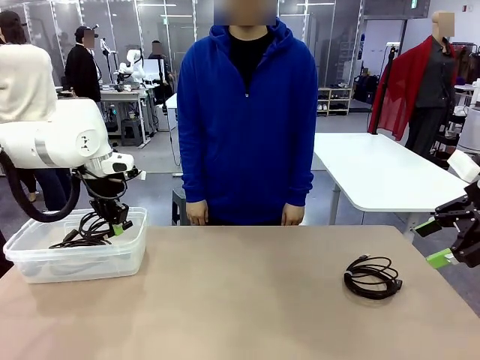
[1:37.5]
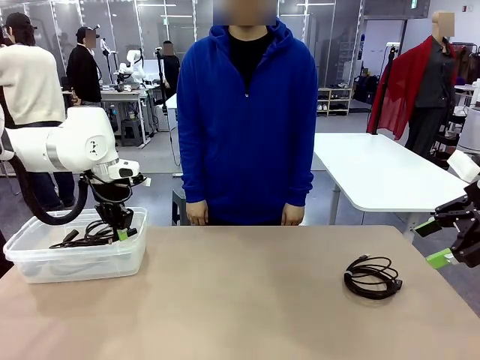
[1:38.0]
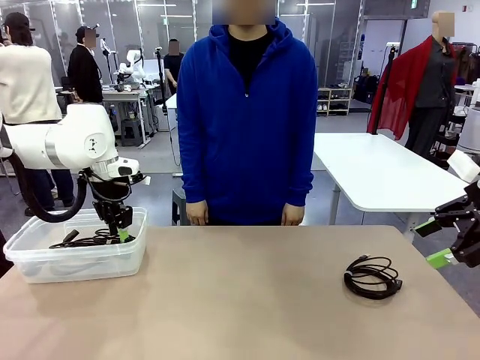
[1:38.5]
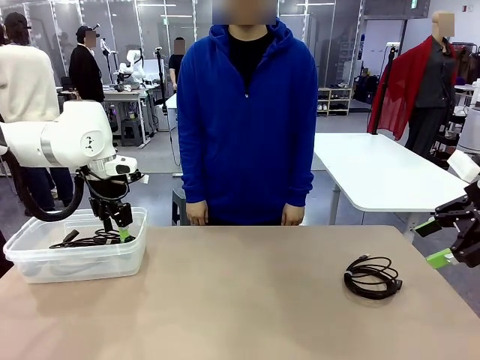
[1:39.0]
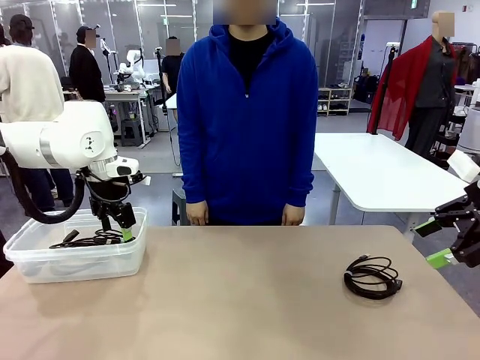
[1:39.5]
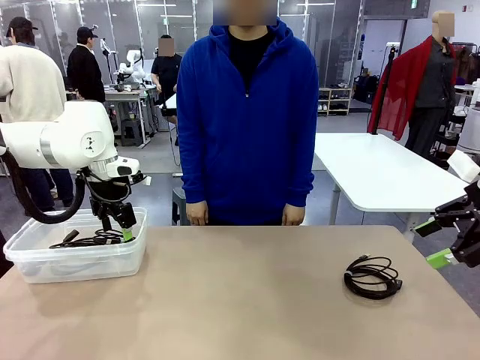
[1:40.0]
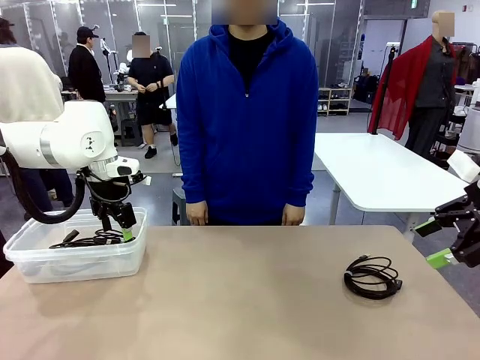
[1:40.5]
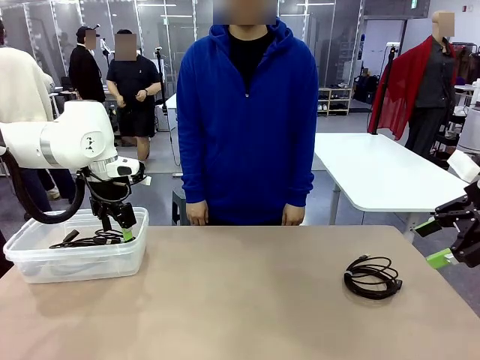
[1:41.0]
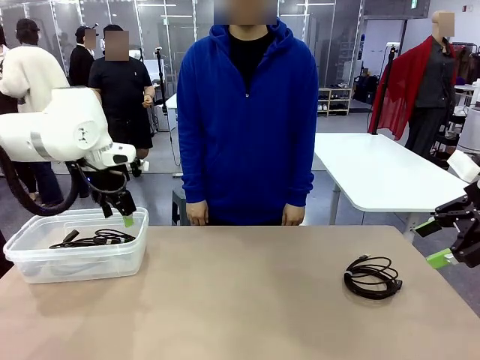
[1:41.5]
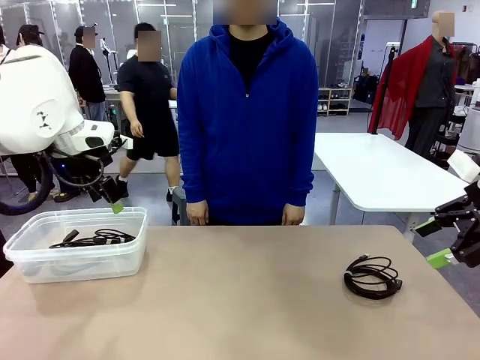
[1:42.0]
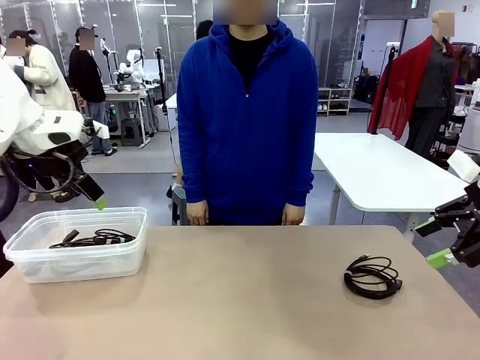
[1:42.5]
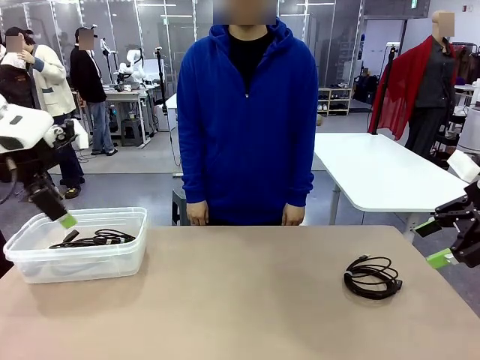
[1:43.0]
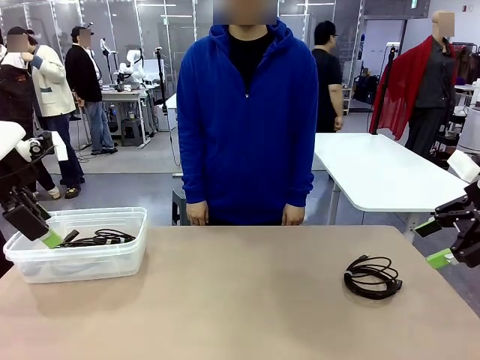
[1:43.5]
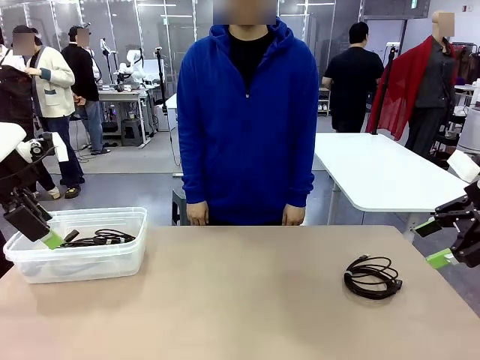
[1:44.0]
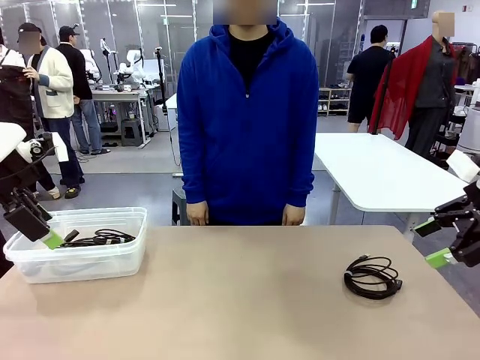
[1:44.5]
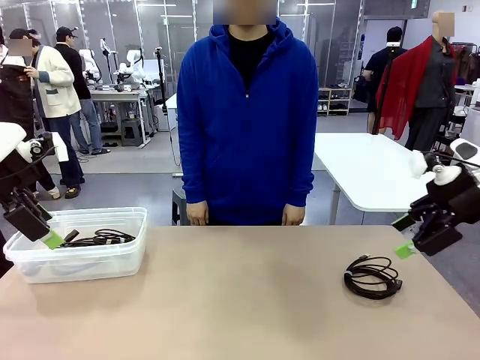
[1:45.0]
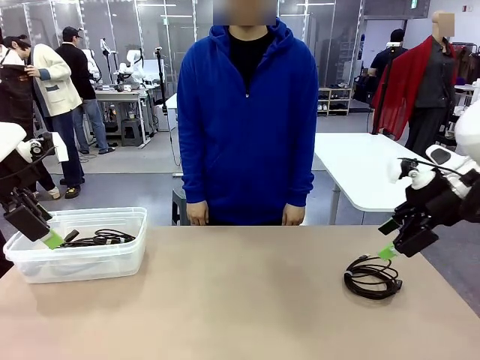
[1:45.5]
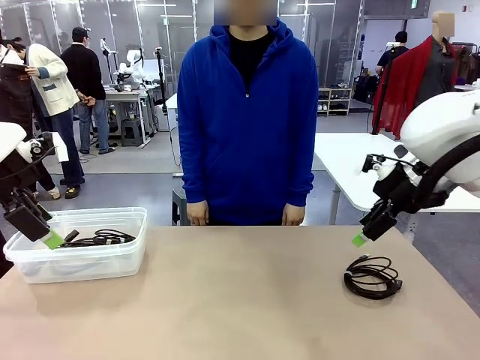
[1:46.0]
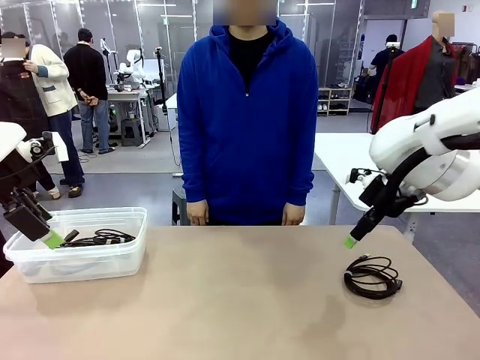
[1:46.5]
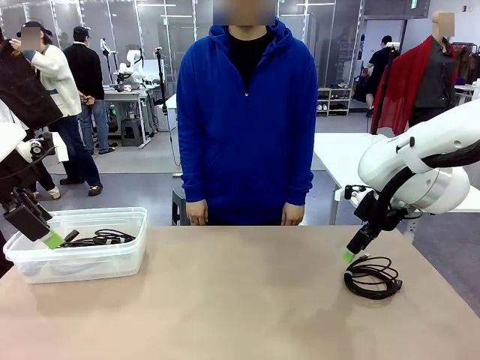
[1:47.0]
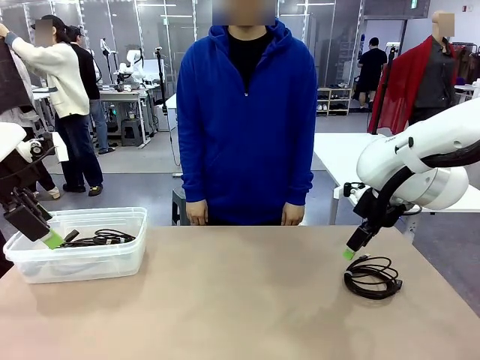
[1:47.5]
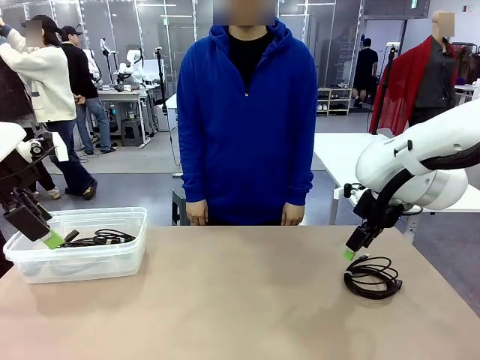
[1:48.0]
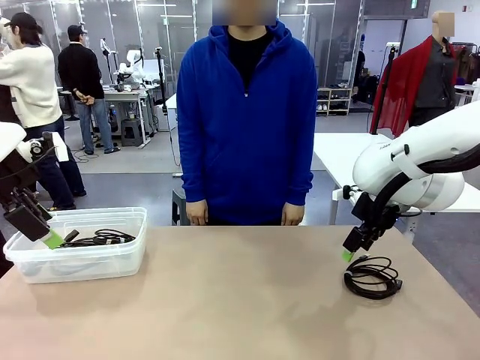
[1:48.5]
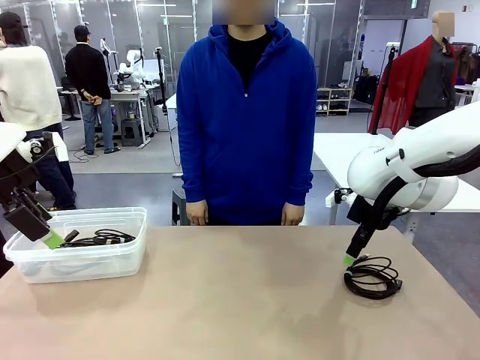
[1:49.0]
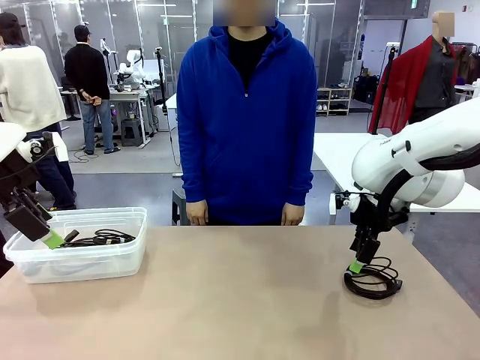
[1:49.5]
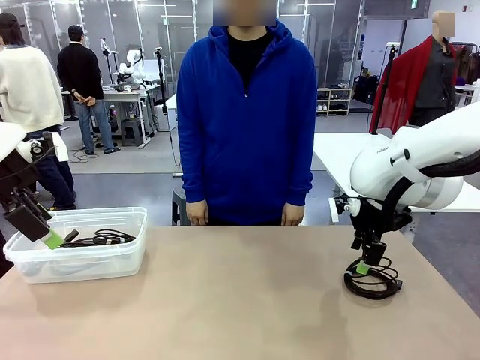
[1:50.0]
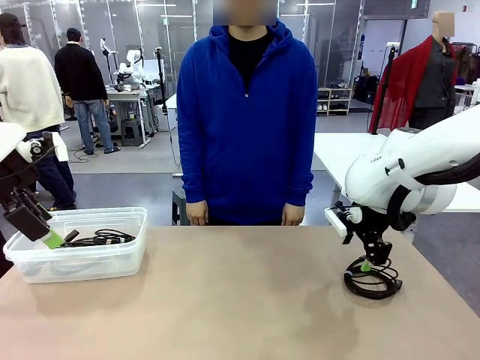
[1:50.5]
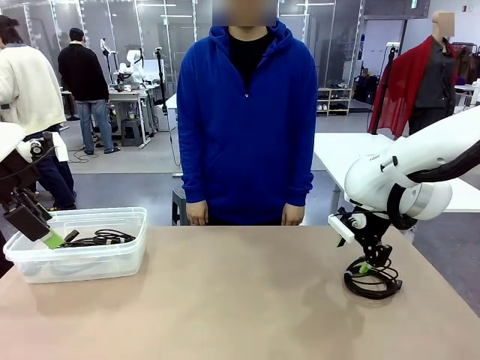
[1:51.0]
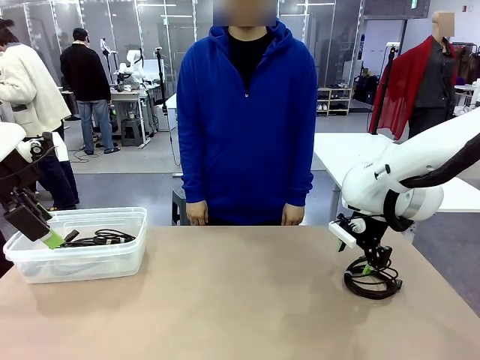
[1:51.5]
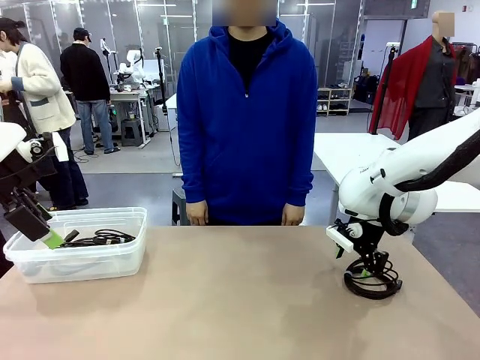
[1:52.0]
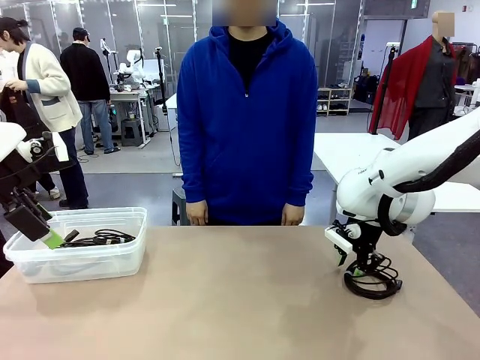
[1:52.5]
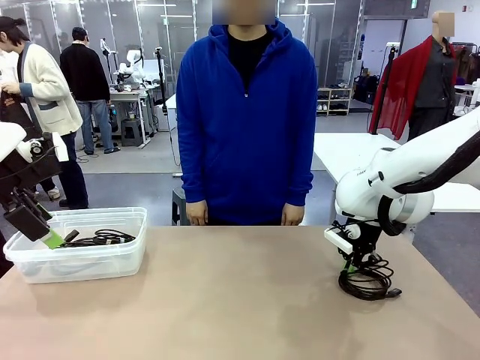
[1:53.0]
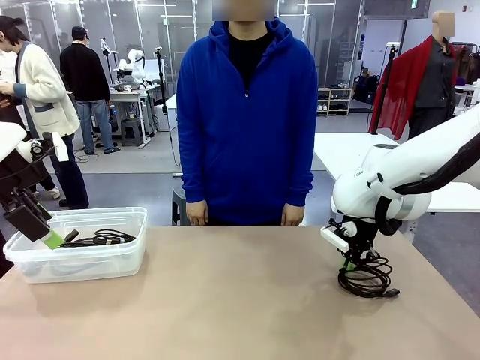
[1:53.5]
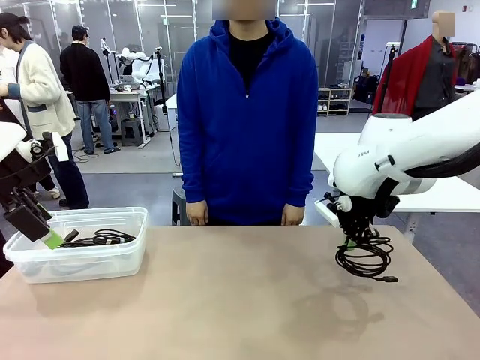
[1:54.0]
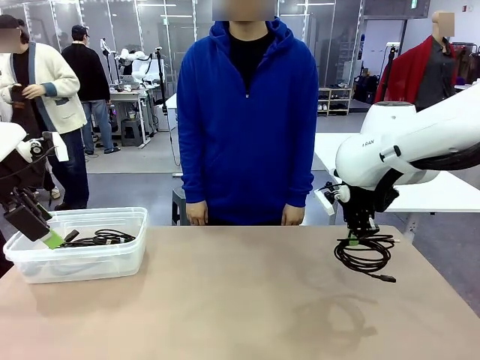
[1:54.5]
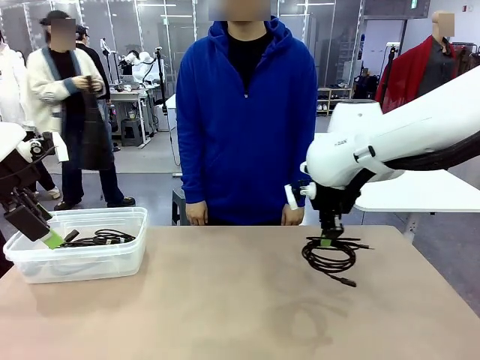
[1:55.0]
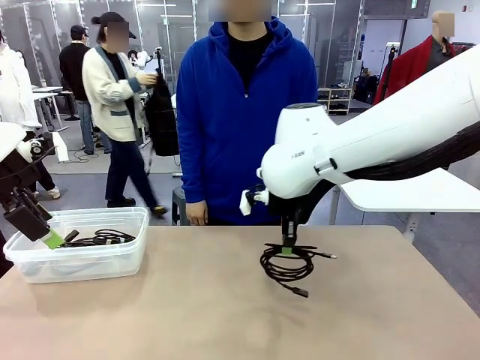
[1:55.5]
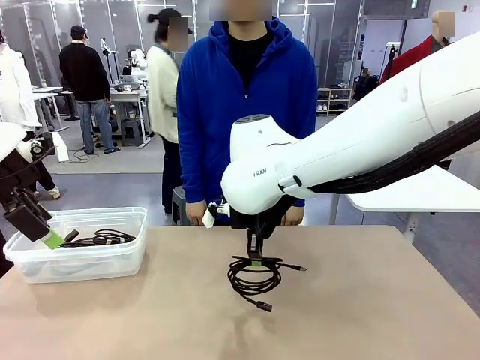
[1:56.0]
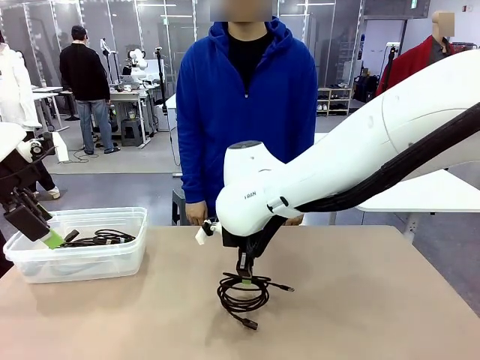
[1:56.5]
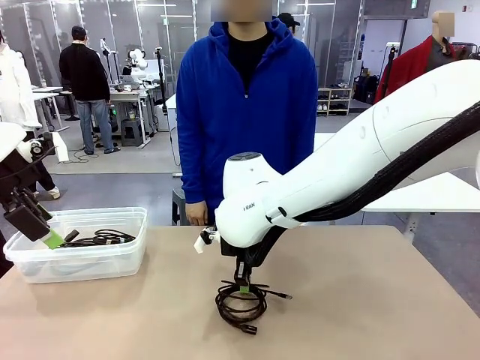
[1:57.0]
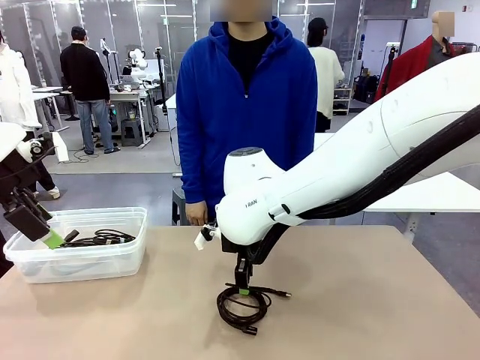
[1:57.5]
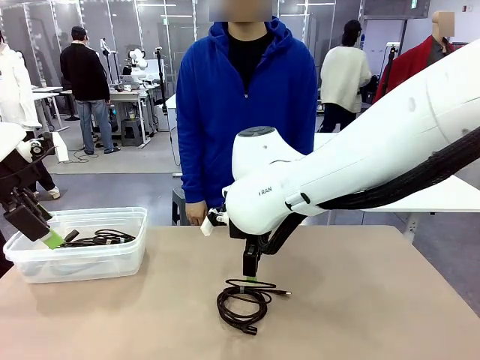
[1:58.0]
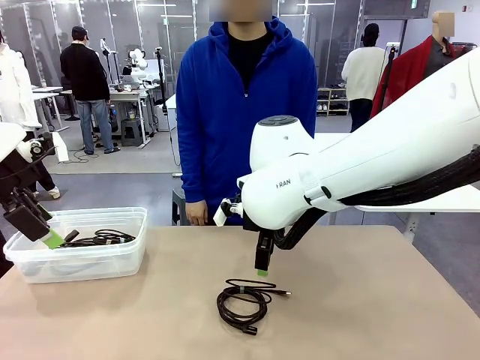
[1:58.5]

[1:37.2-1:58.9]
Task: Organize and store the cables.
Robot: Place the USB Extension Cable into the Organizing box.
